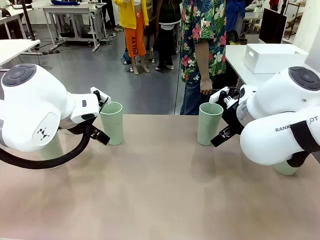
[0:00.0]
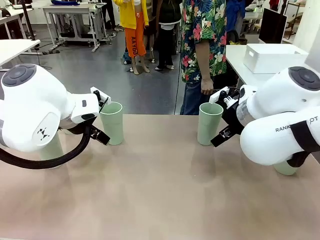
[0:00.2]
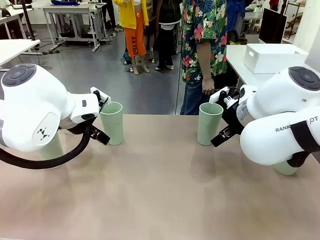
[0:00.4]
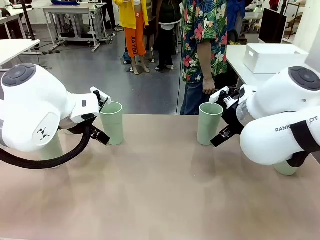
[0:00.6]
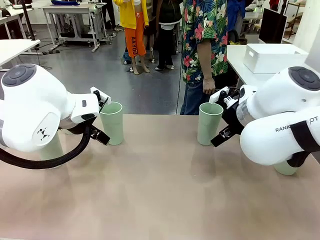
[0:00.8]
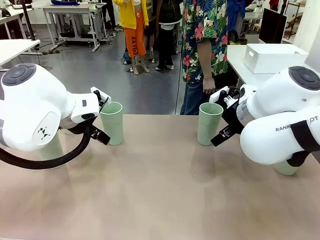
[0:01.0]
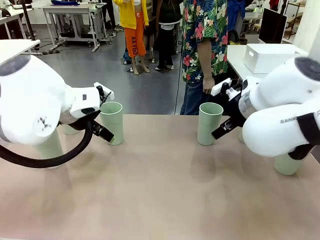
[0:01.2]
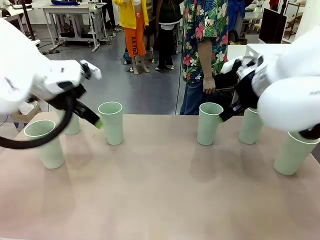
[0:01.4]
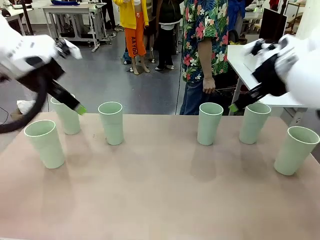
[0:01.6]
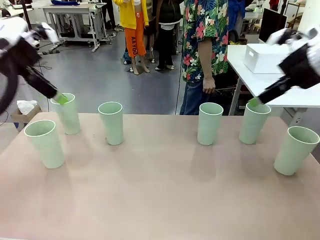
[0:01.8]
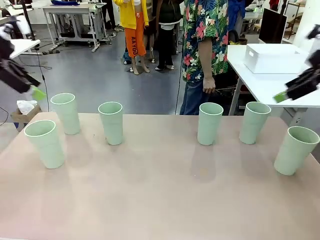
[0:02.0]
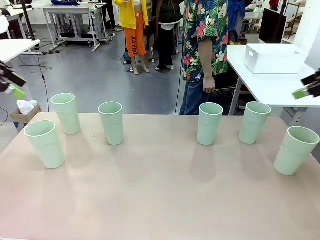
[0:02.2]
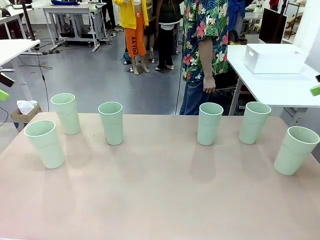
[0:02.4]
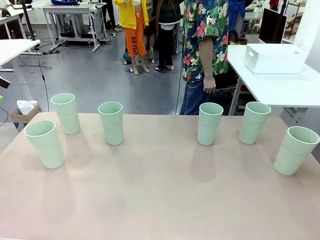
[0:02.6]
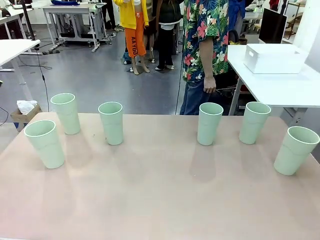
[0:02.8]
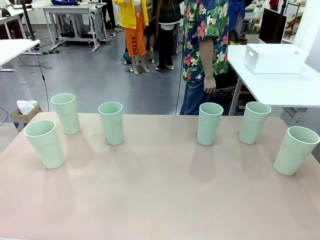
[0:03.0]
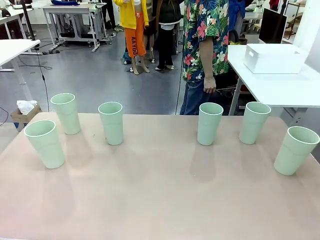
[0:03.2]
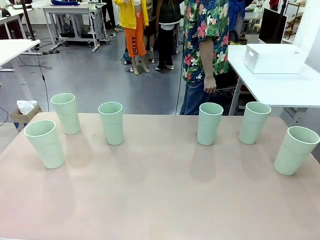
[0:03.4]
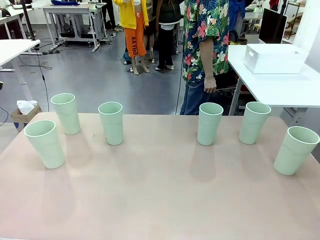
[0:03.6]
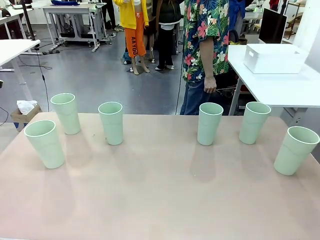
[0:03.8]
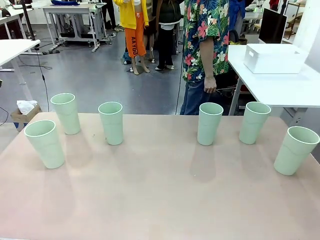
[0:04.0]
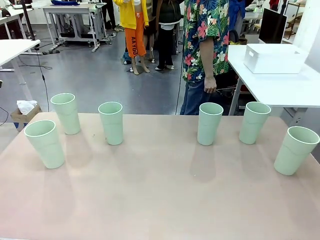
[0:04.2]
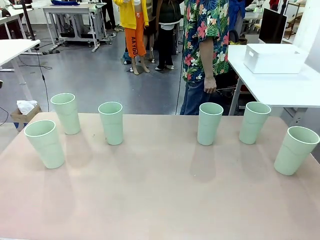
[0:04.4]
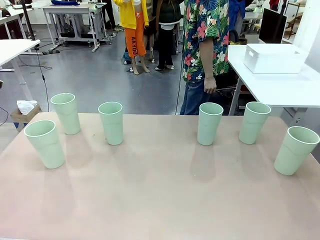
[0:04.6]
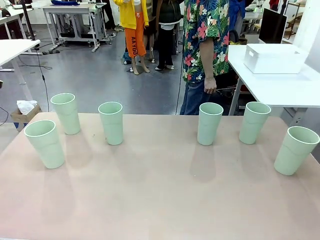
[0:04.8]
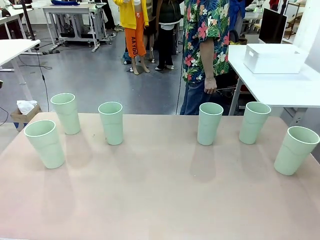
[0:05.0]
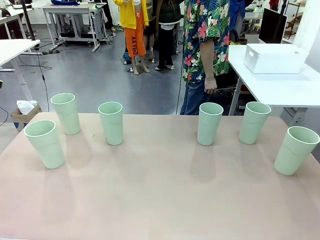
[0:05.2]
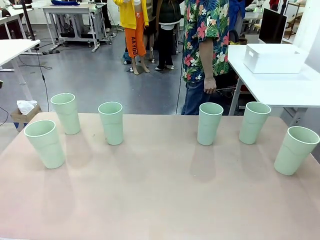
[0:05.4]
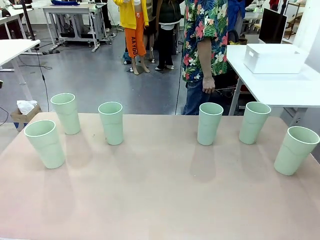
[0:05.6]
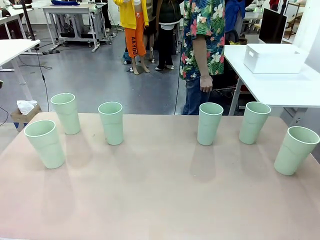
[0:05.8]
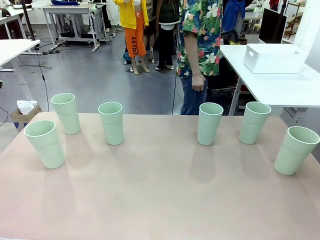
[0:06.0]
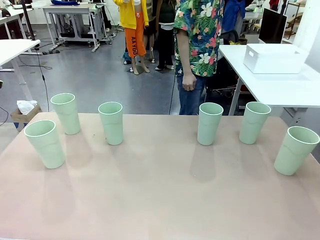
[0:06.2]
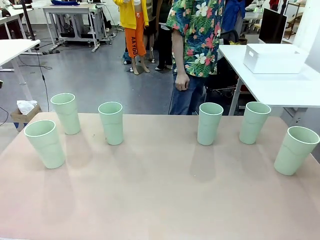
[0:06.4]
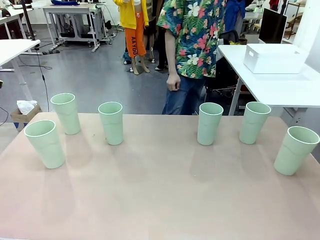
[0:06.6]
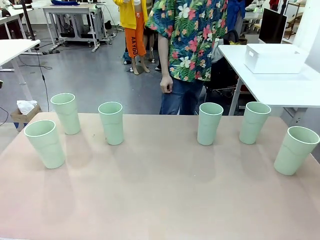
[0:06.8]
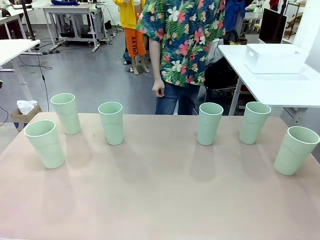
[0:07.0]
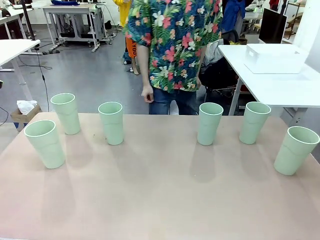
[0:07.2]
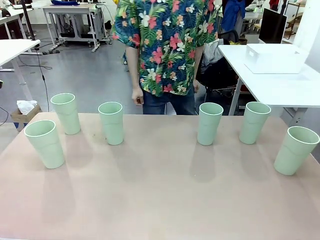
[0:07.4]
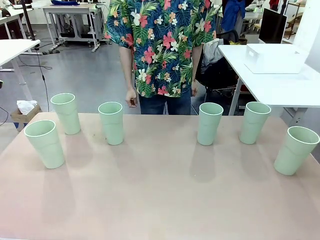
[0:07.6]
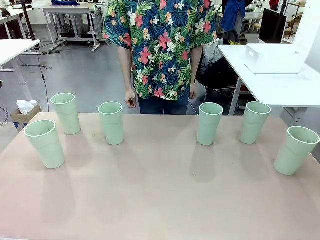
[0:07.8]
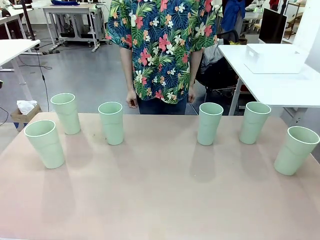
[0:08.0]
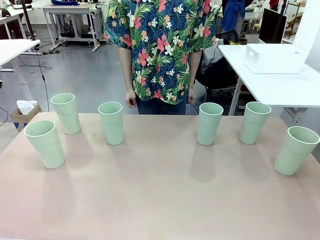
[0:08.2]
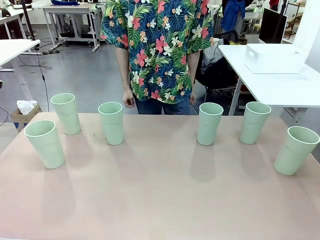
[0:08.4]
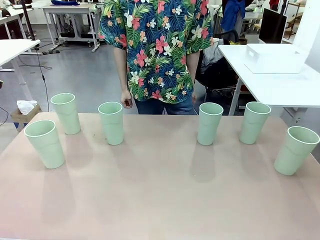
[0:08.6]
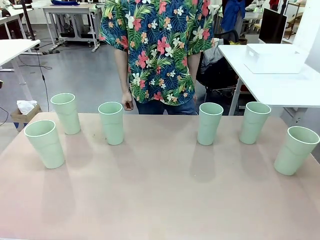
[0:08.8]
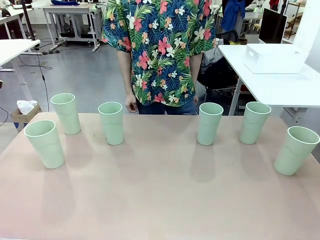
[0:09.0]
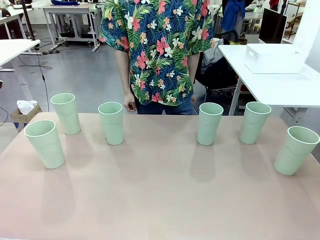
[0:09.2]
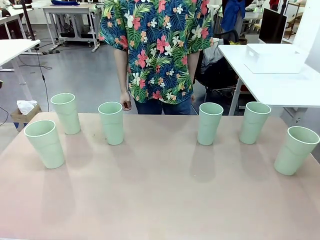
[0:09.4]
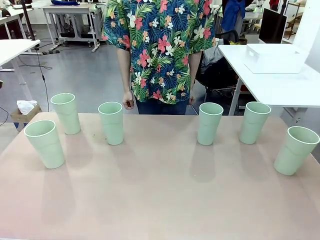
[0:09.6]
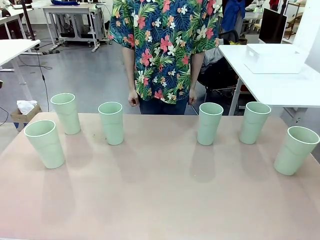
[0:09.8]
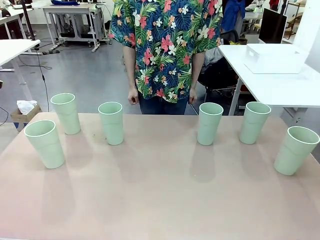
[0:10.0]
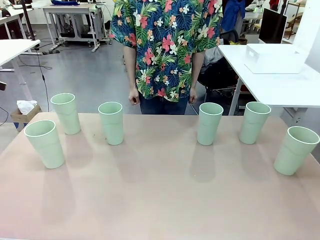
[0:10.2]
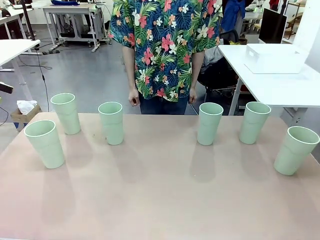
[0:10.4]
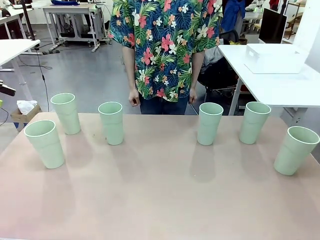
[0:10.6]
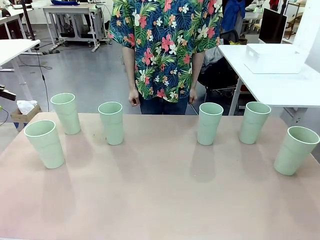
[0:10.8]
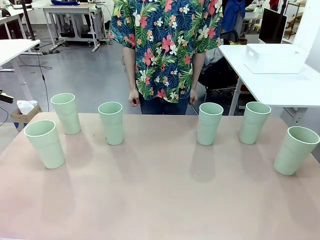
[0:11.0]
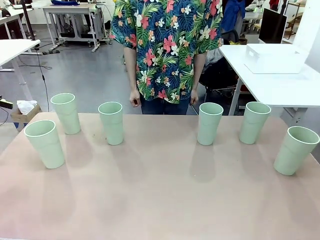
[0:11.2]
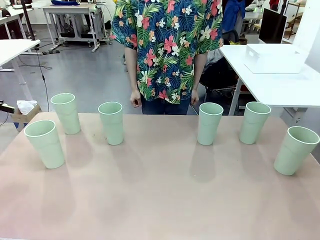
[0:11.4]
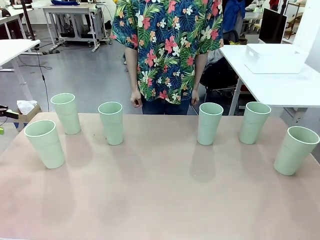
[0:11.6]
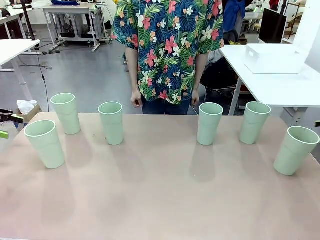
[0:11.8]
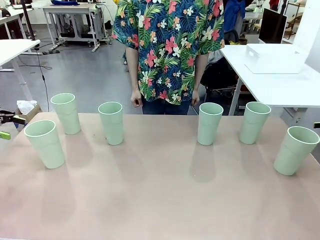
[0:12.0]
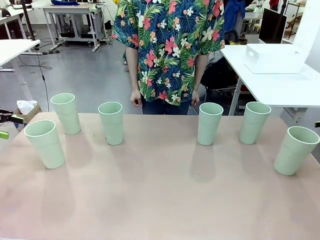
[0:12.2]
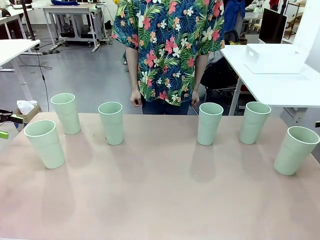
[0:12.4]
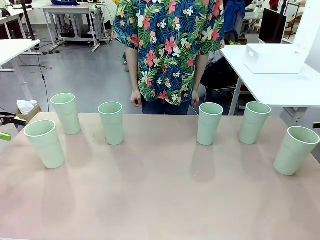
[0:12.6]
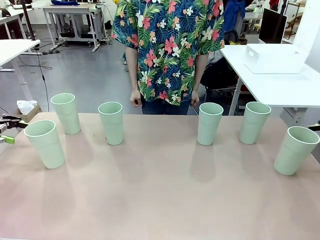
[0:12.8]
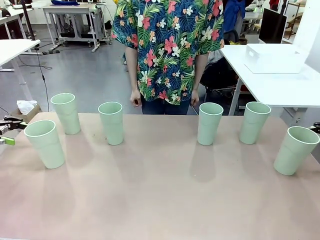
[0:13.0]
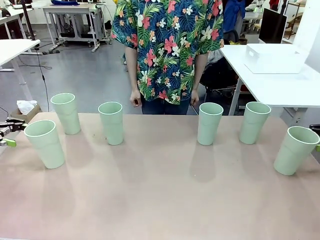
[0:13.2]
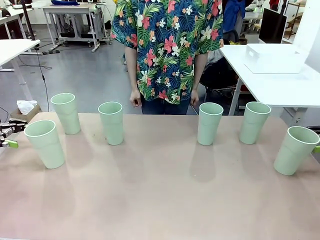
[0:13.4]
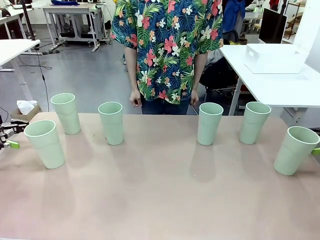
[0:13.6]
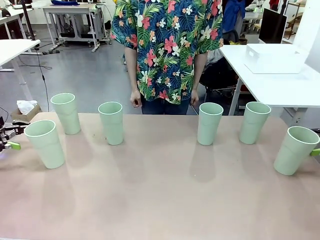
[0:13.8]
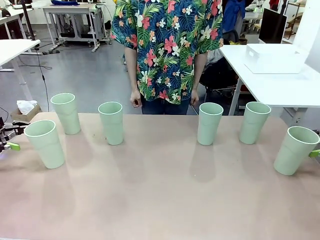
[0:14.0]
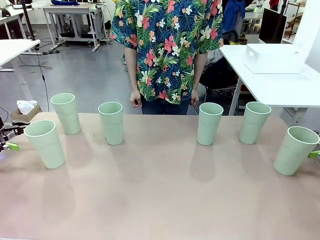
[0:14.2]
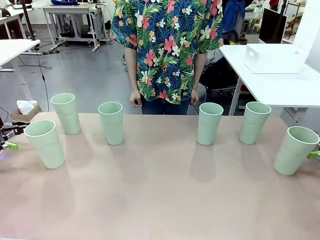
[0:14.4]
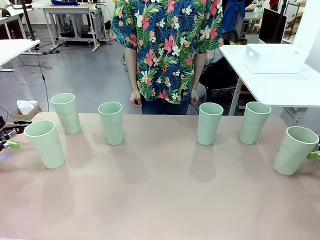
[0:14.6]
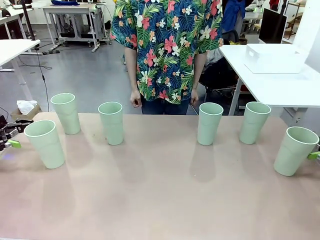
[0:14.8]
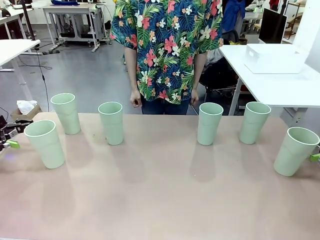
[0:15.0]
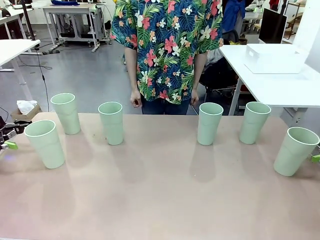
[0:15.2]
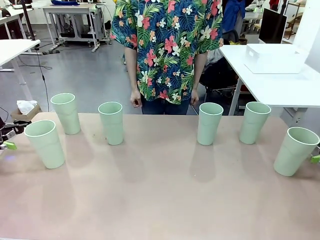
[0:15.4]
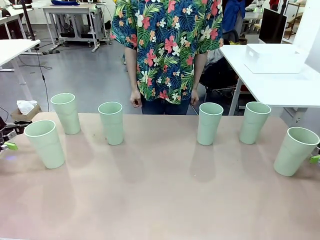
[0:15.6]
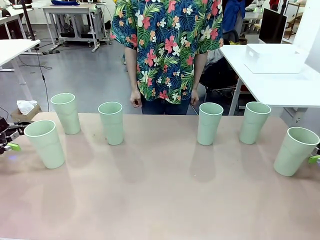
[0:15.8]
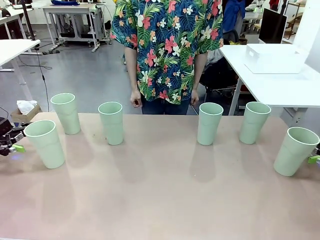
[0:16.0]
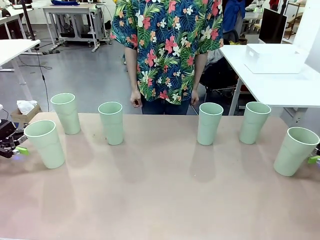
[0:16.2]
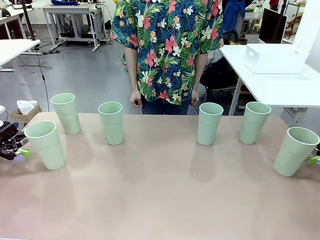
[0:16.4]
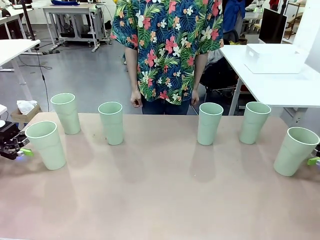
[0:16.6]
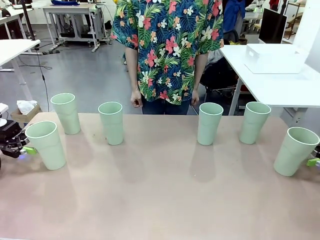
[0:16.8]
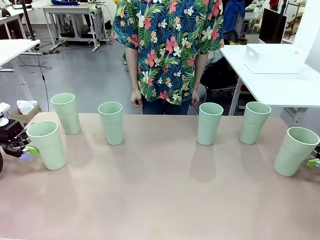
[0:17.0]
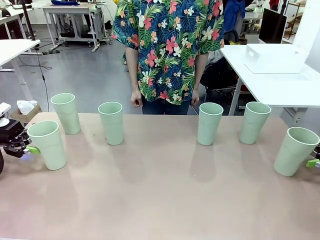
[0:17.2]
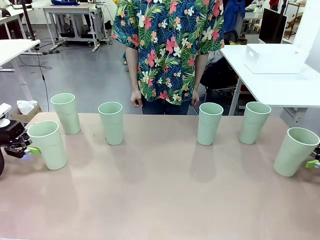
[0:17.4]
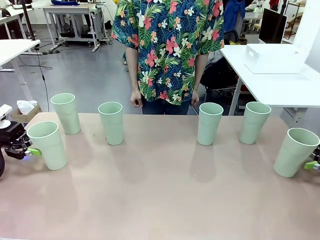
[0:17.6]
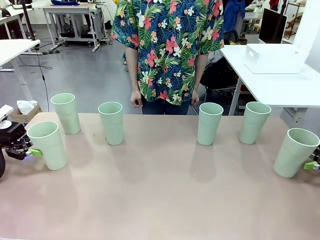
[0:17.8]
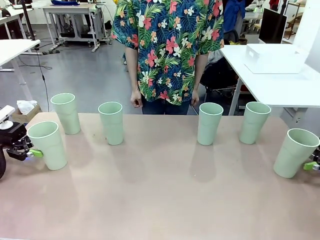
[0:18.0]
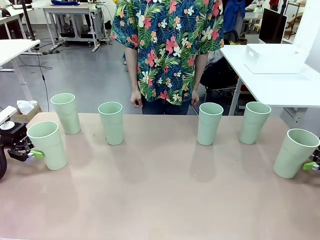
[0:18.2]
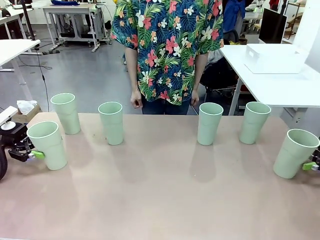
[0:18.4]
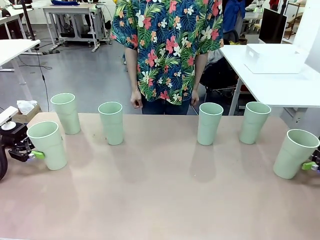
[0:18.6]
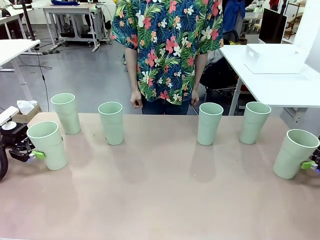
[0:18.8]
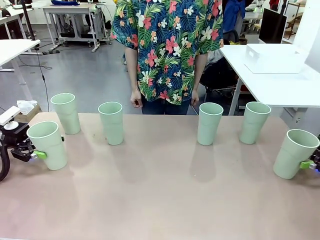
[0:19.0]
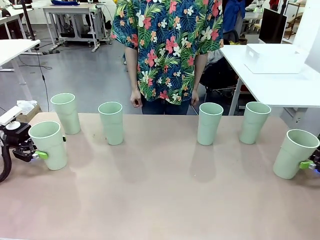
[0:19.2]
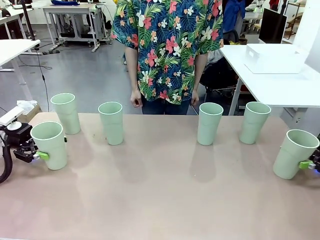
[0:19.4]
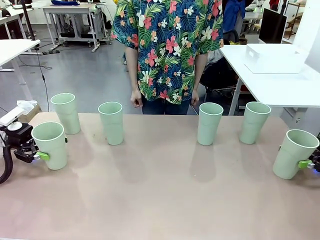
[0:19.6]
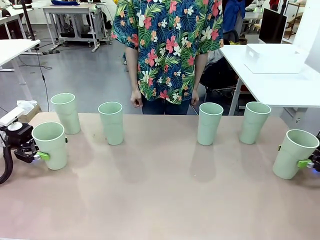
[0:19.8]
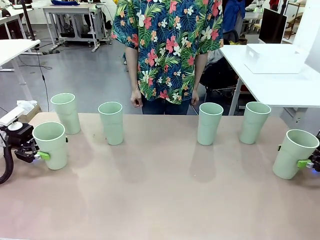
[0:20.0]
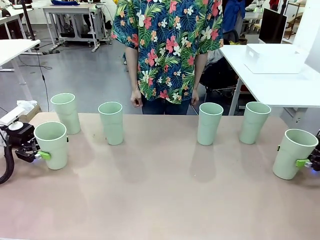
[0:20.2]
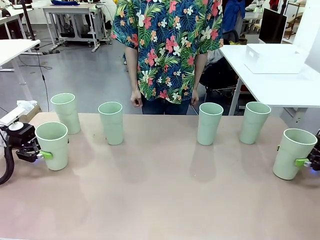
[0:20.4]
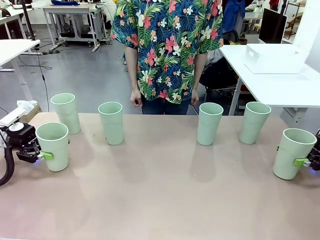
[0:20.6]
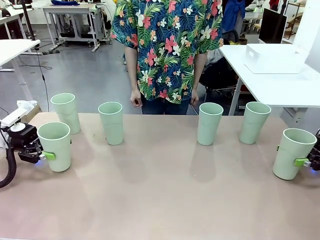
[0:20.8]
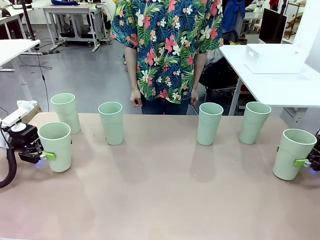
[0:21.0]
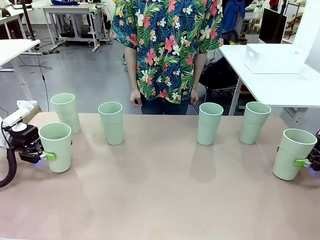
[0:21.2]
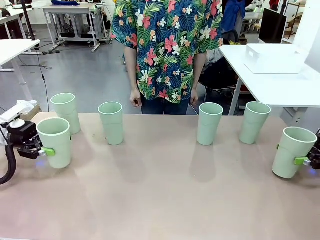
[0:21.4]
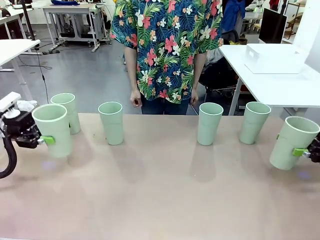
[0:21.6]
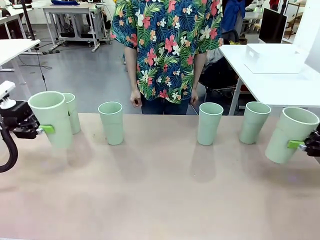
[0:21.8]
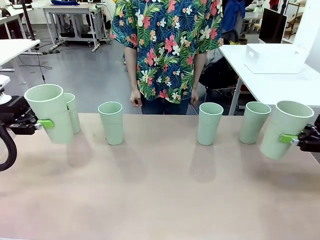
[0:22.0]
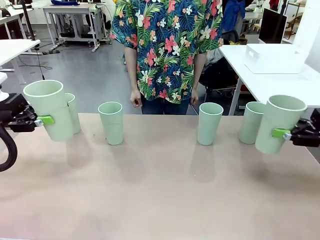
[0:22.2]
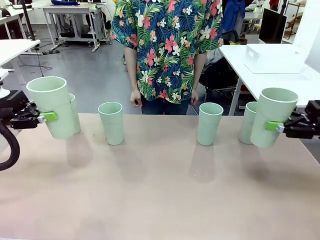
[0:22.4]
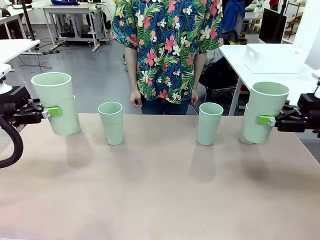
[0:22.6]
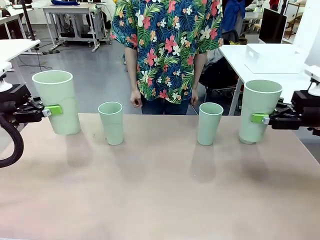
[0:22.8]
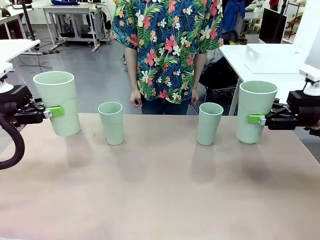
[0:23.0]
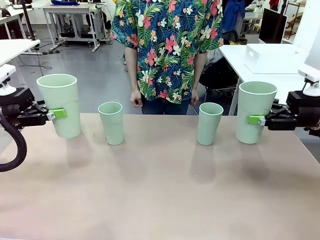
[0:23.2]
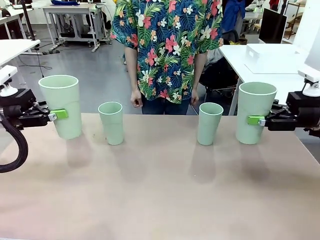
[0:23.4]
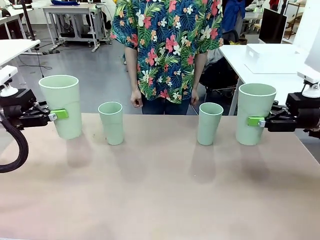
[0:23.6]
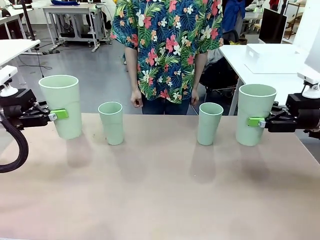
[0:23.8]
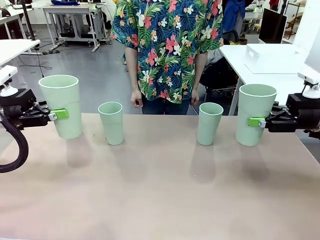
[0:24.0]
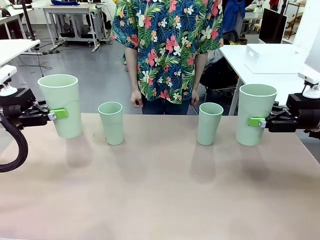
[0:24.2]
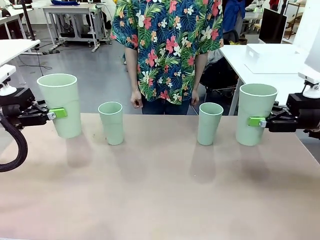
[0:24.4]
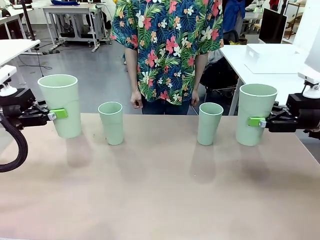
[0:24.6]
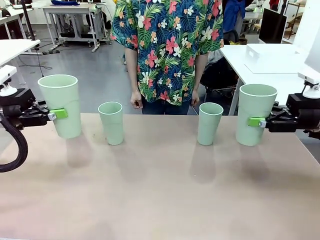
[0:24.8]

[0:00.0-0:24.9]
Task: Stack the cups and store them in the basket.
Robot: Pick up two Reusable plastic cups , one in each hand.
Person: Move from the Human Table to the front of the Robot Table. Stack two of the remaining cups on top of each cup held by the robot.
